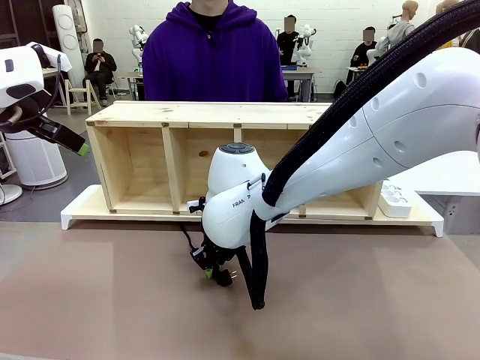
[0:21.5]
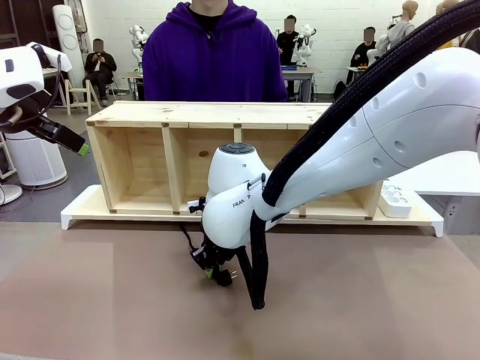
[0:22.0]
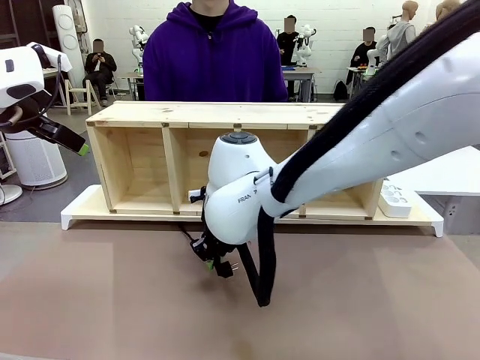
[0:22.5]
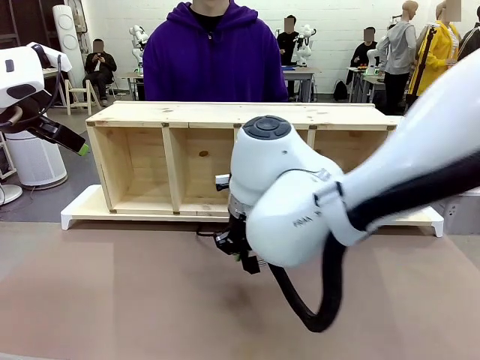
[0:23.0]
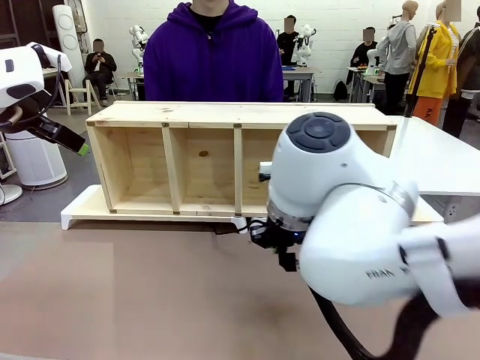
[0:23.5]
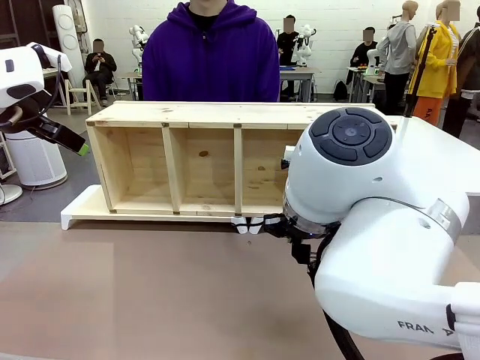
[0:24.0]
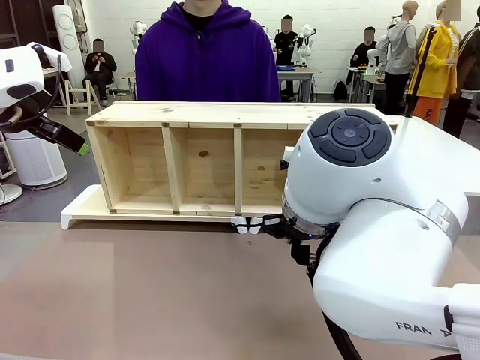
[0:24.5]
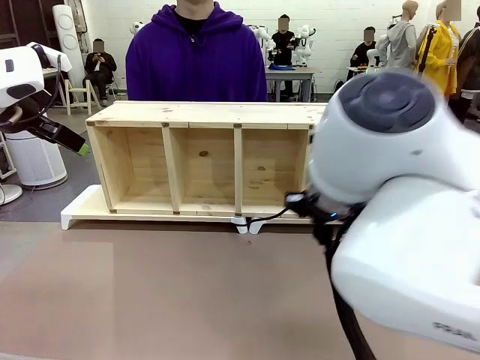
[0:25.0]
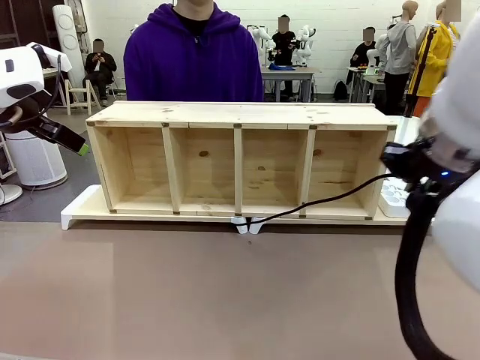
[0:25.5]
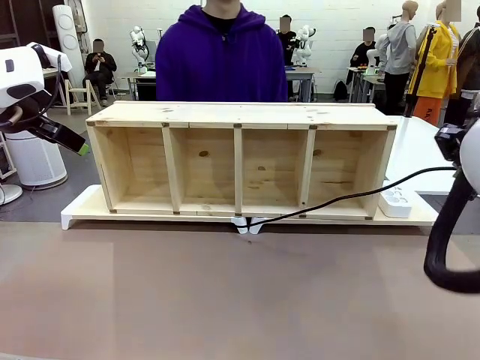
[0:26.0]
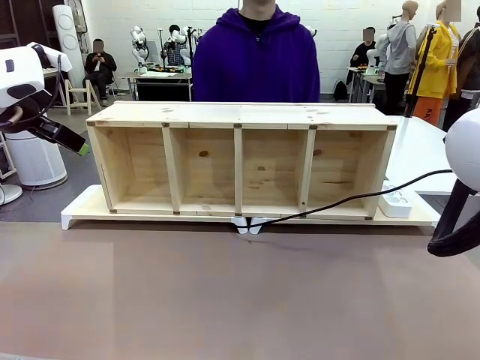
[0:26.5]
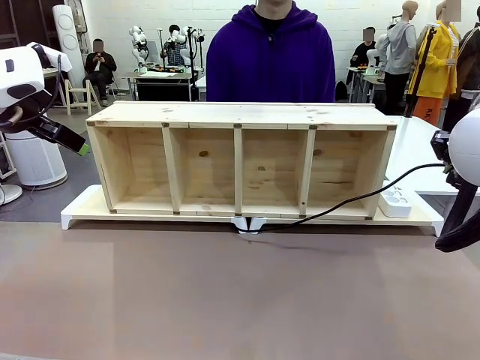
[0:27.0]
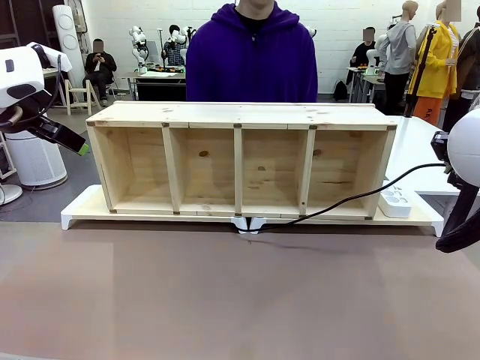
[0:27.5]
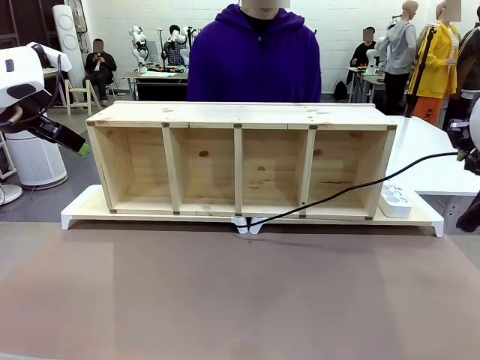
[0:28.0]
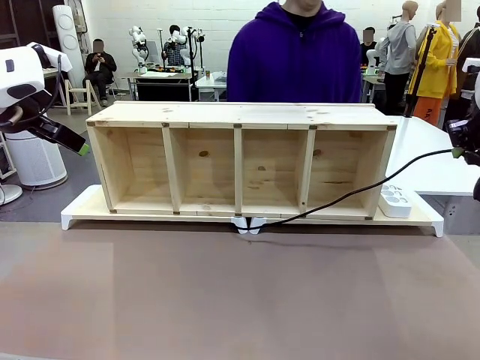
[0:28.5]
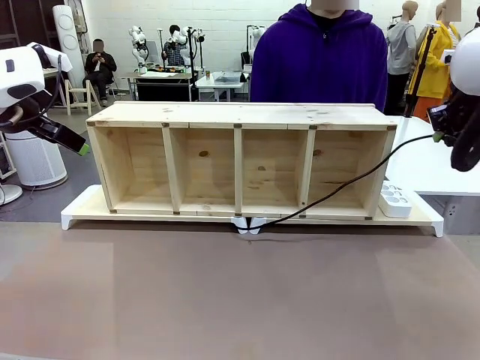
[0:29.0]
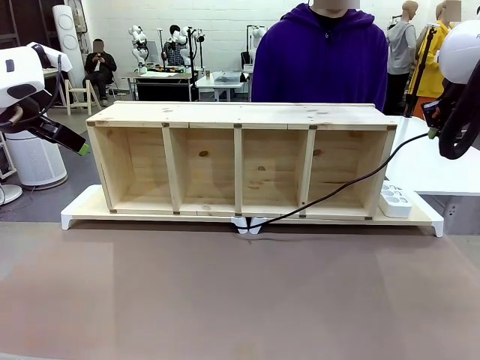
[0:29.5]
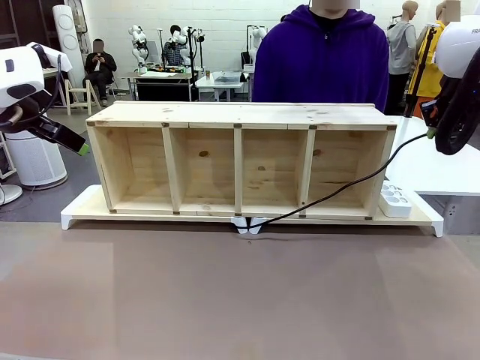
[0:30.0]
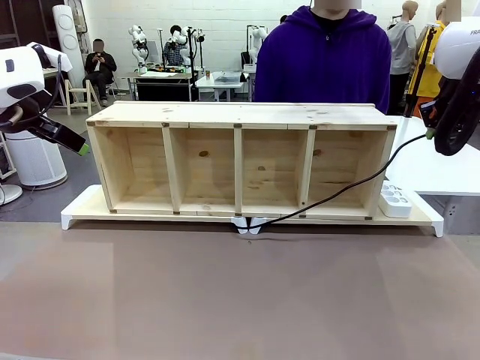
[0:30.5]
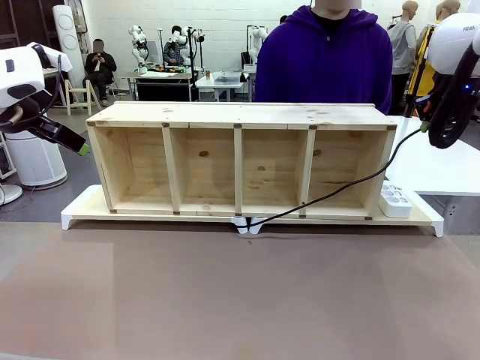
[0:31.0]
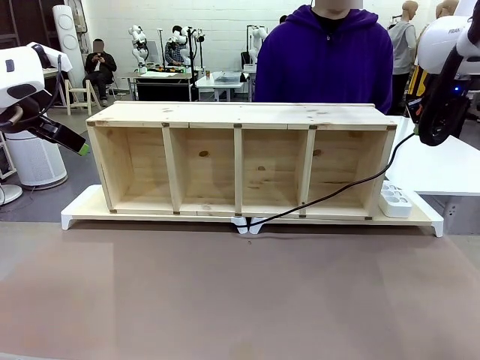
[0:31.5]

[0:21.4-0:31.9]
Task: Perform cable management.
Robot: Pull the grasped Power Cable to the location of the Power Strip.

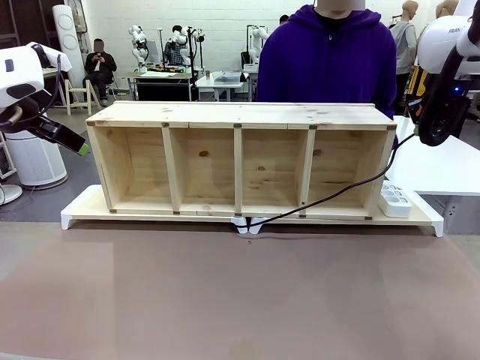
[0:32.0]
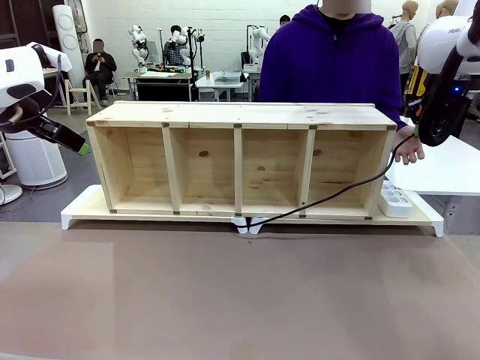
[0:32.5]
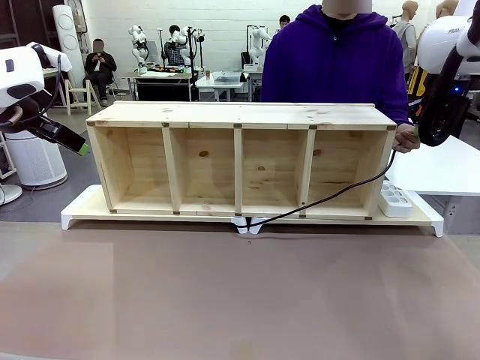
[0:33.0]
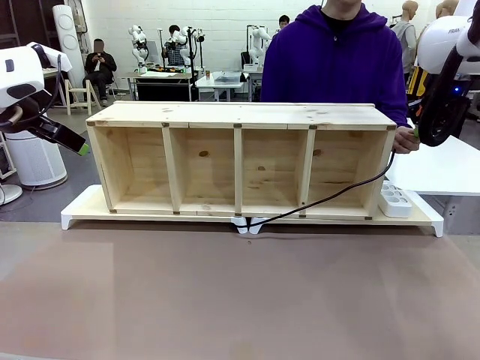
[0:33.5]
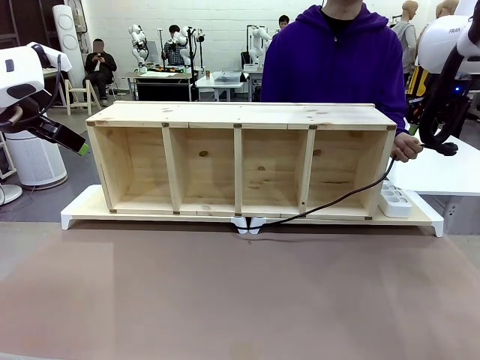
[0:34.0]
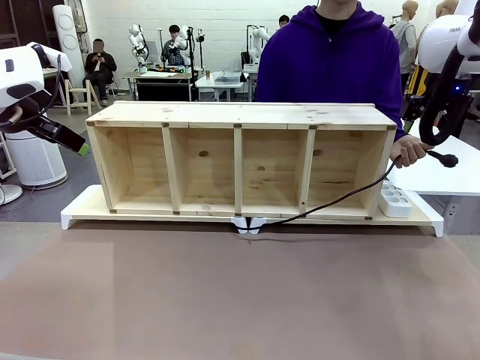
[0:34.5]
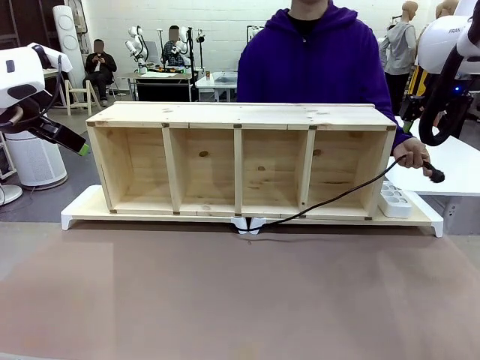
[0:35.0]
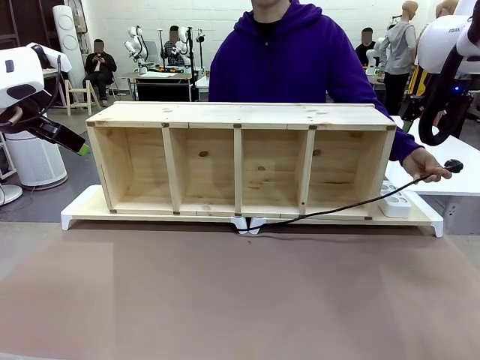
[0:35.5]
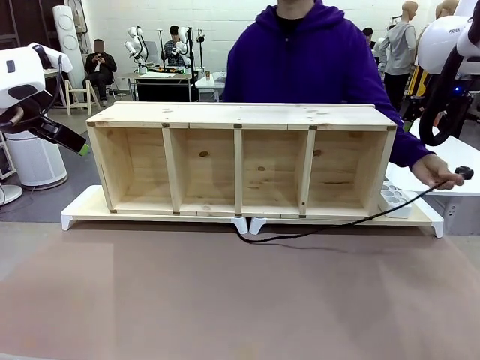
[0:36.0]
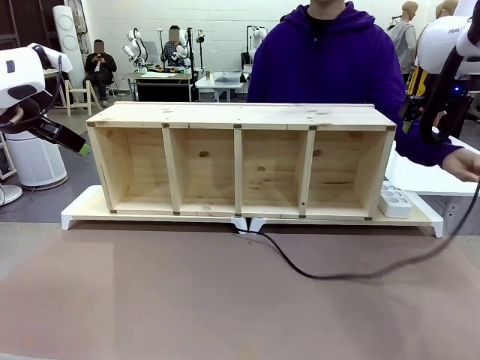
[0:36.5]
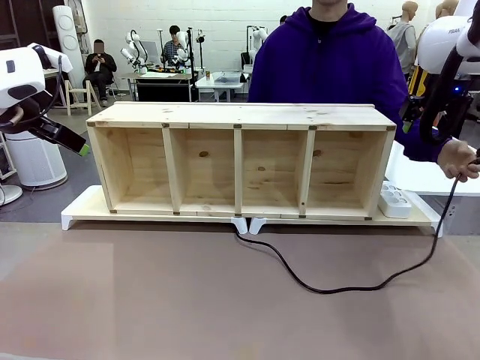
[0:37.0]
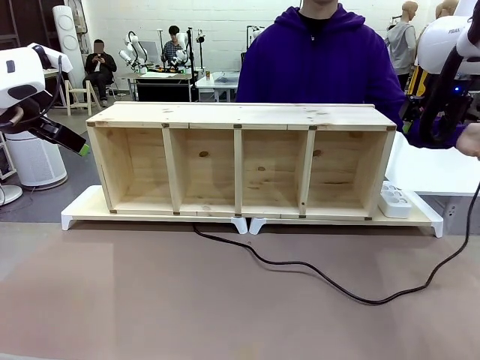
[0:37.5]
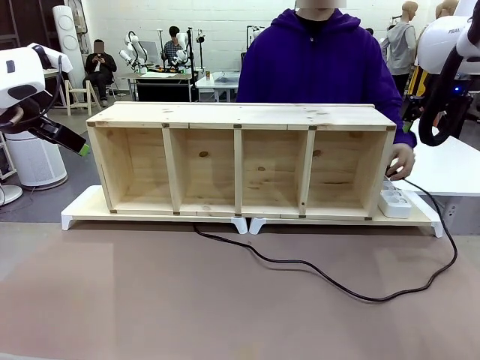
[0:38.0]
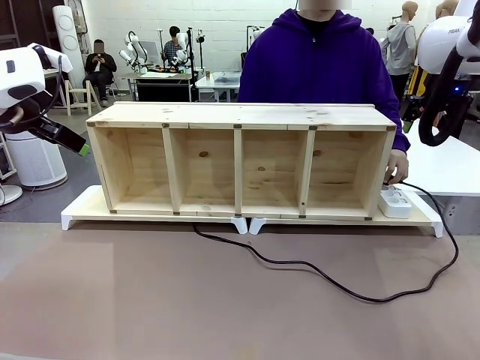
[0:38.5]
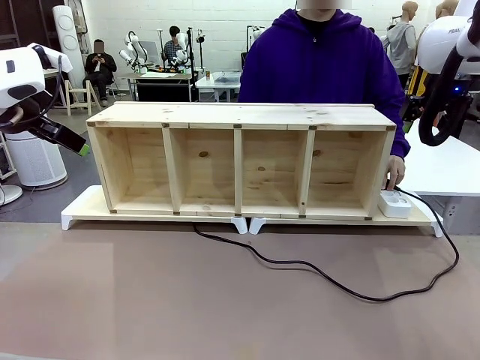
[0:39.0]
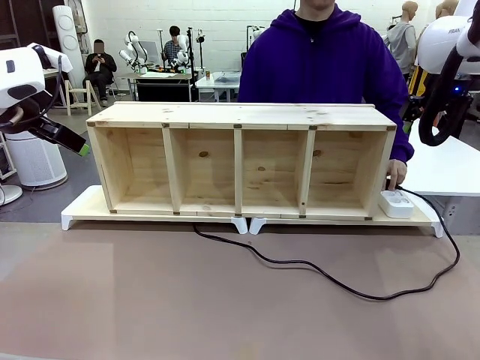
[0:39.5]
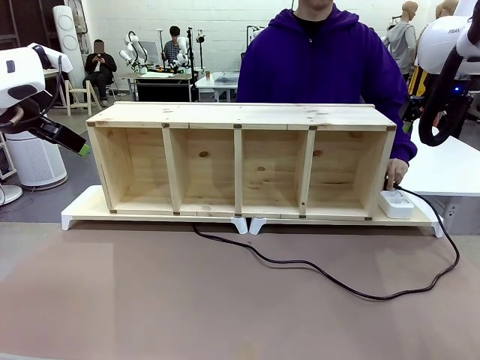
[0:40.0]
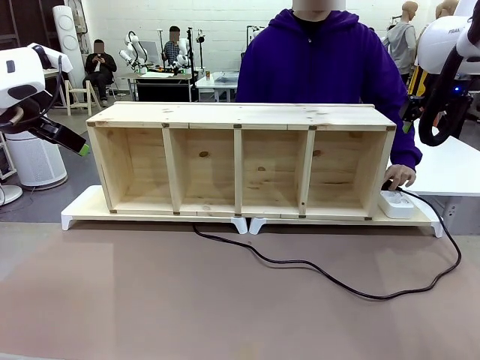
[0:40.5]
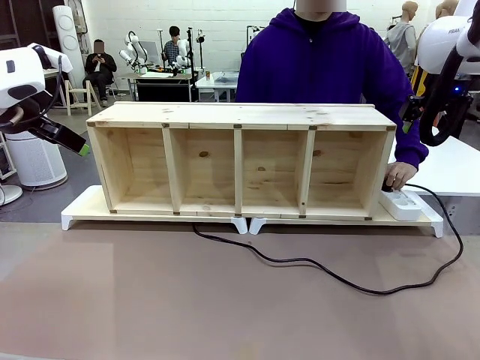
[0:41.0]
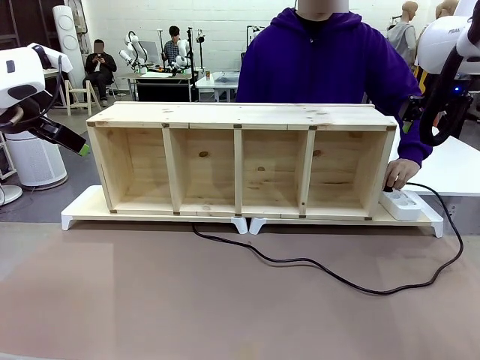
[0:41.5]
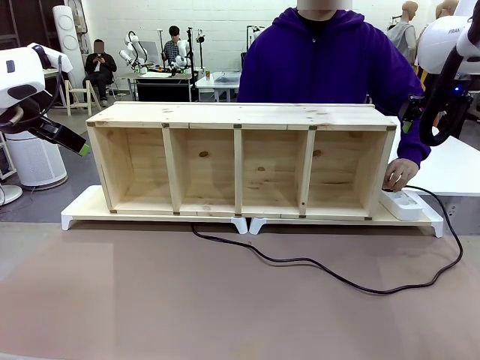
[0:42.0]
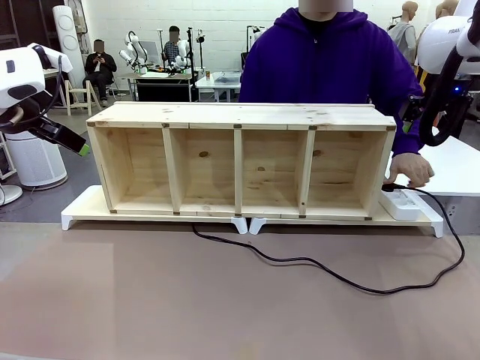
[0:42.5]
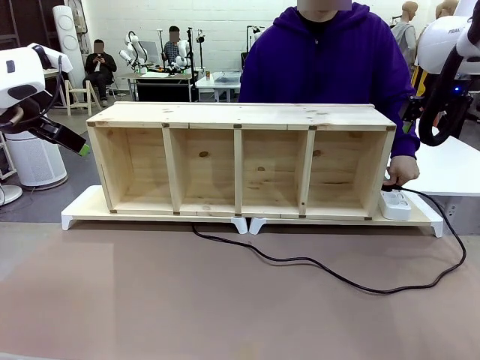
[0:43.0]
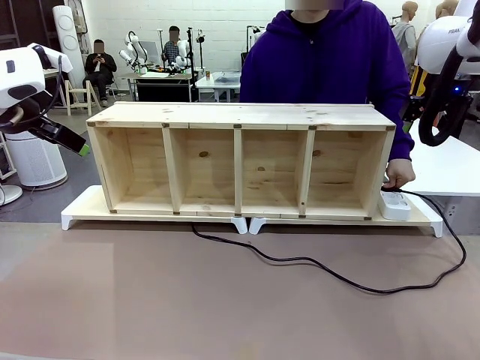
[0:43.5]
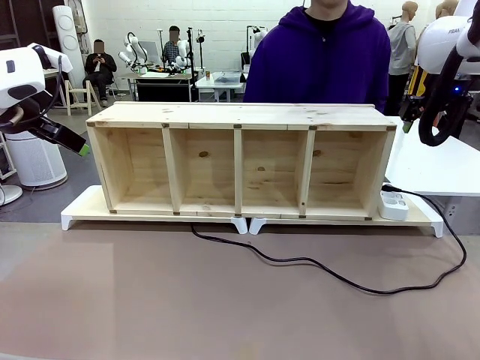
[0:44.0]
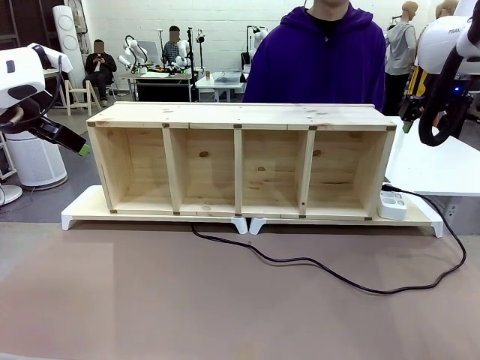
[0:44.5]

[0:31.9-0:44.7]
Robot: Release the Power Cable when the human grasps it.
Person: Plug the Power Cable into the Power Strip.
